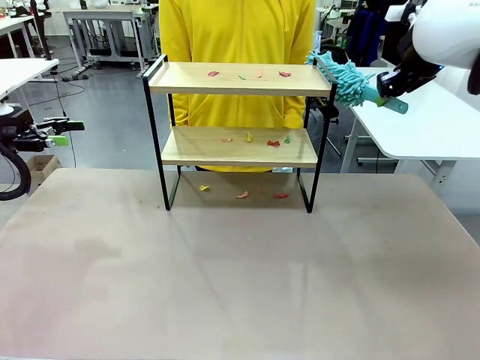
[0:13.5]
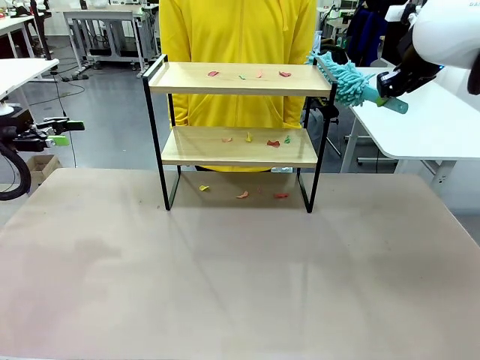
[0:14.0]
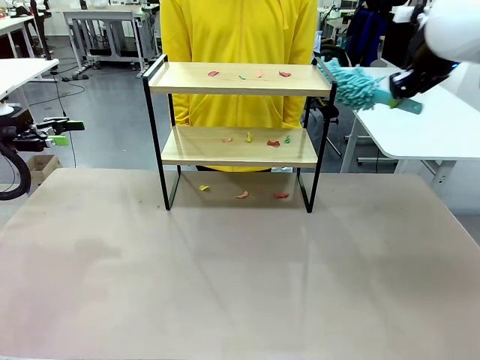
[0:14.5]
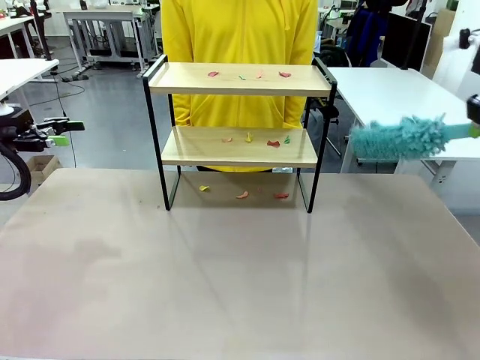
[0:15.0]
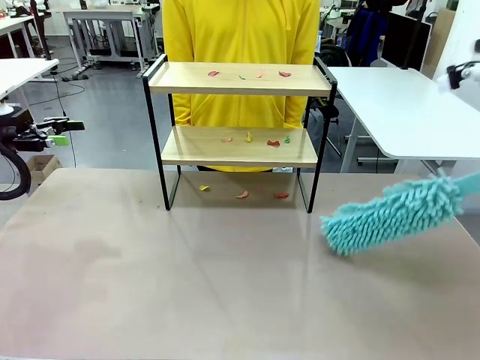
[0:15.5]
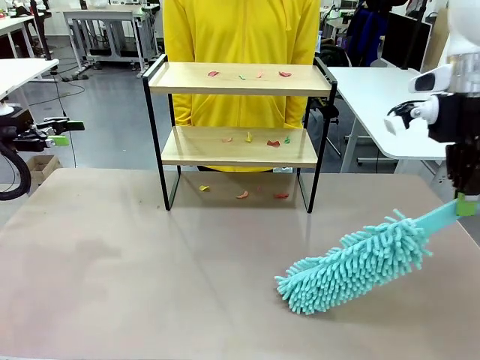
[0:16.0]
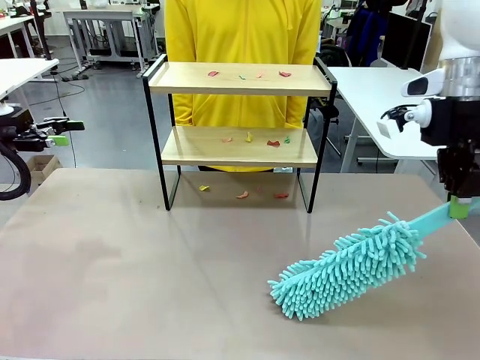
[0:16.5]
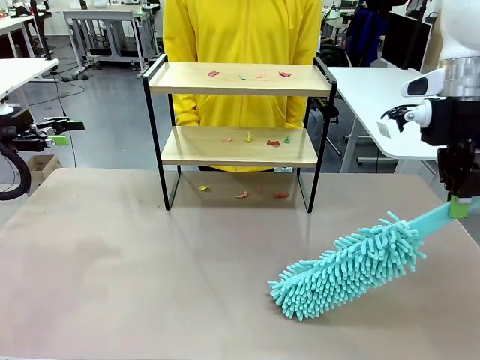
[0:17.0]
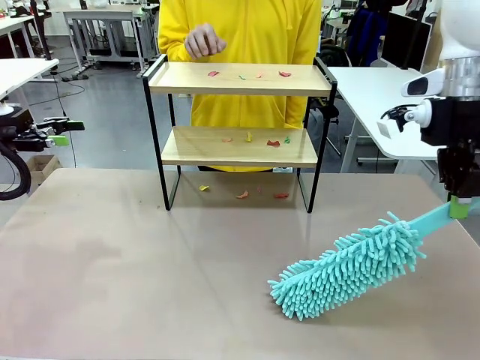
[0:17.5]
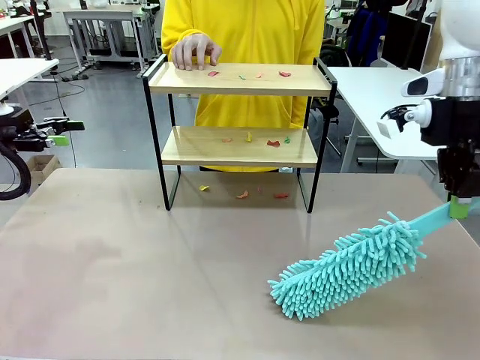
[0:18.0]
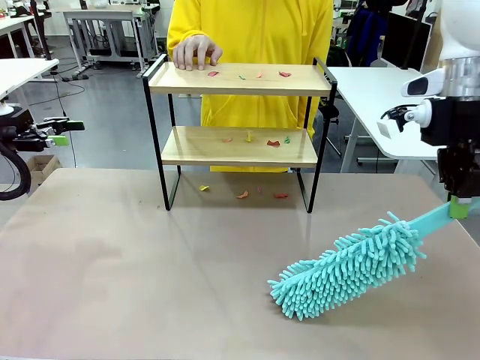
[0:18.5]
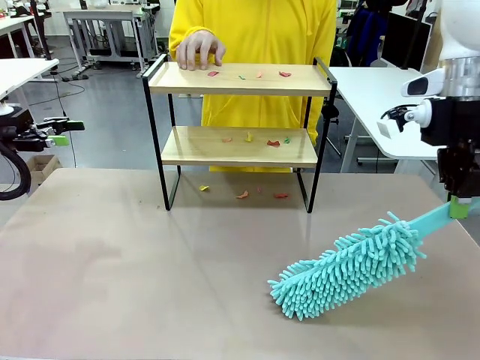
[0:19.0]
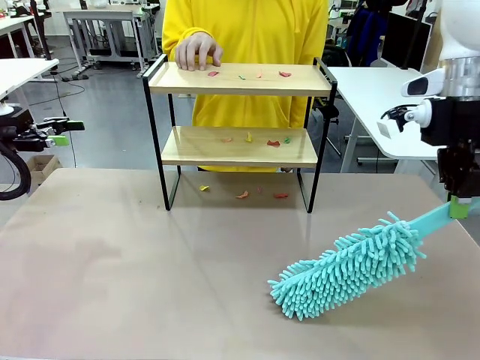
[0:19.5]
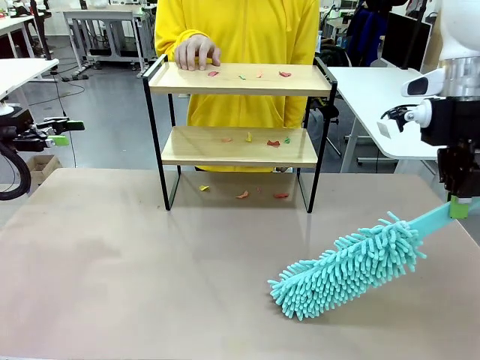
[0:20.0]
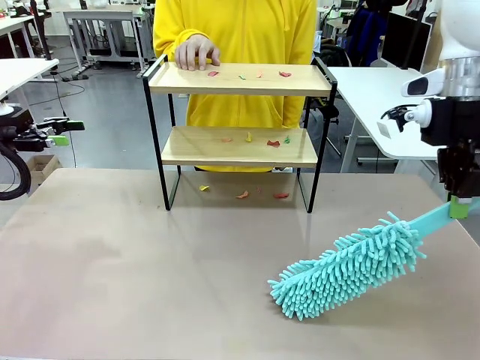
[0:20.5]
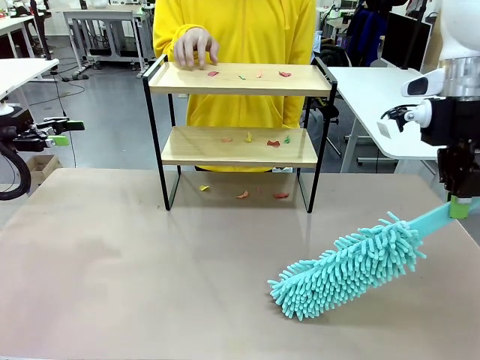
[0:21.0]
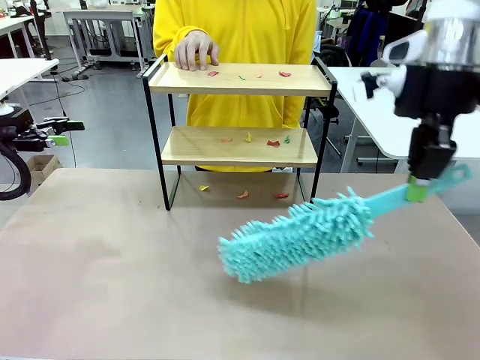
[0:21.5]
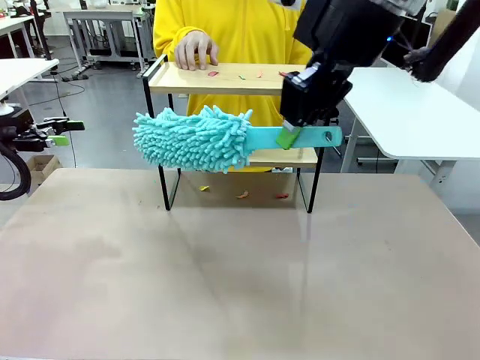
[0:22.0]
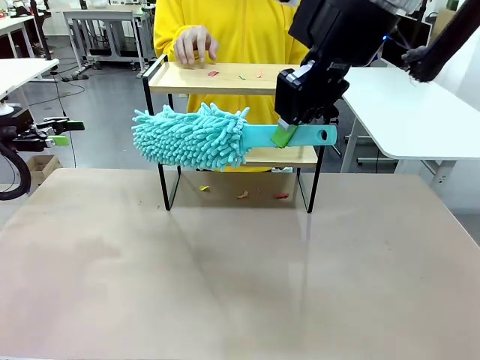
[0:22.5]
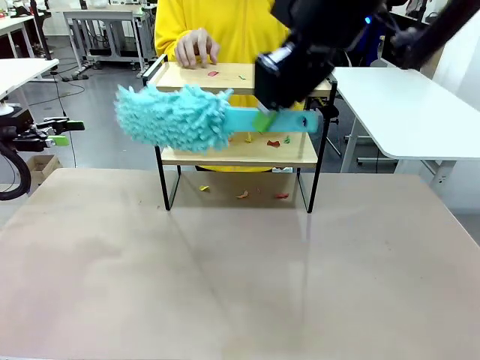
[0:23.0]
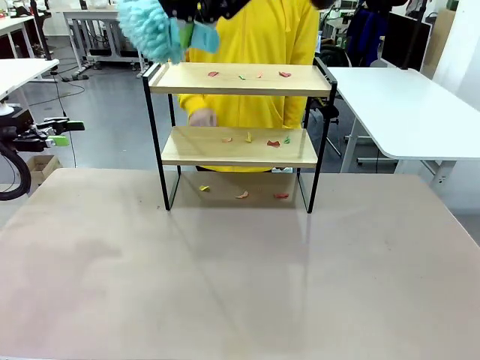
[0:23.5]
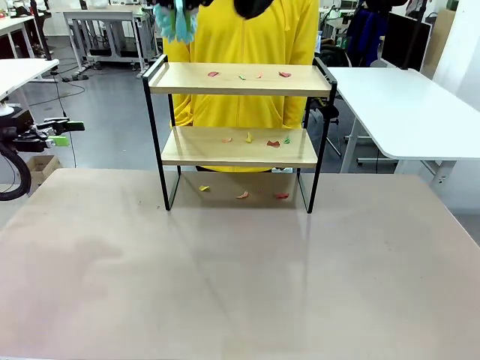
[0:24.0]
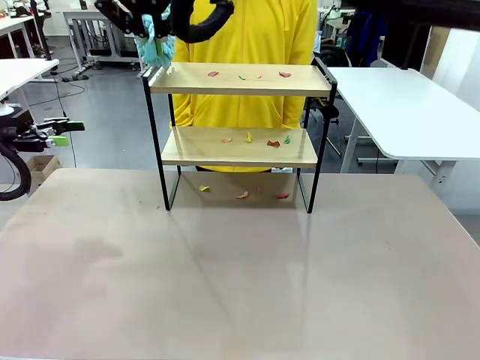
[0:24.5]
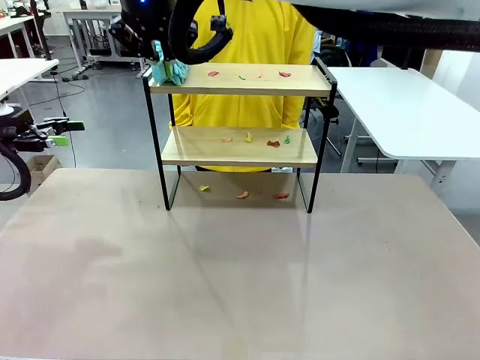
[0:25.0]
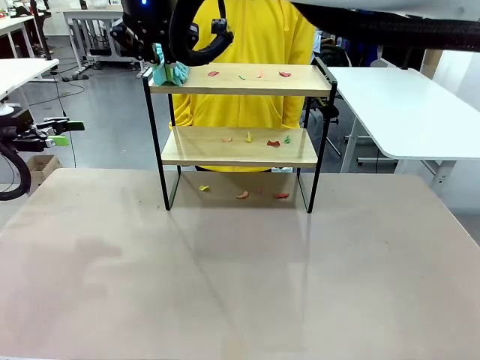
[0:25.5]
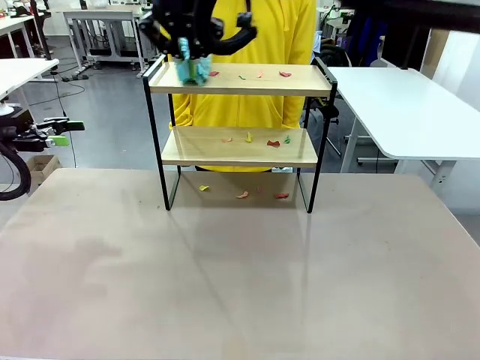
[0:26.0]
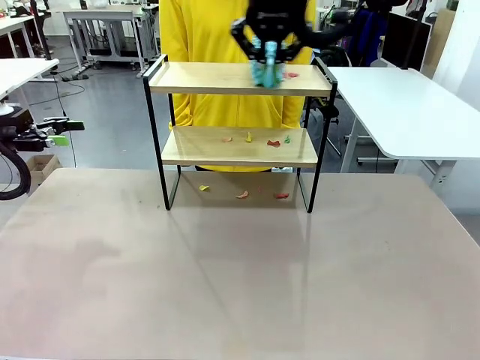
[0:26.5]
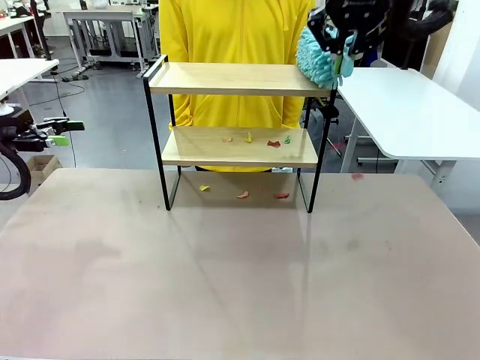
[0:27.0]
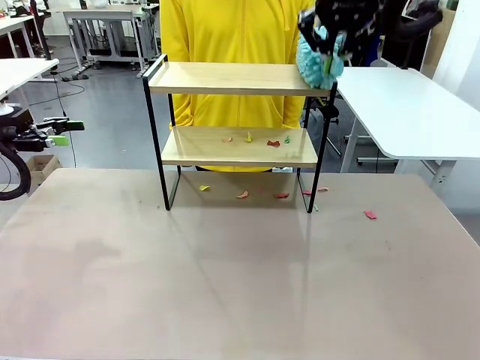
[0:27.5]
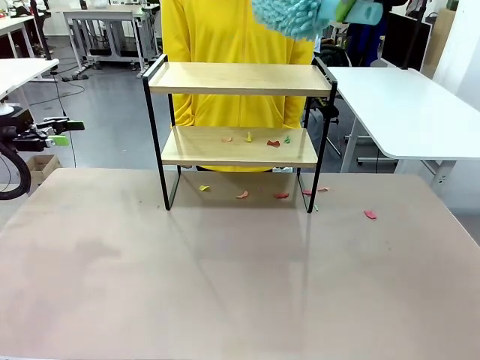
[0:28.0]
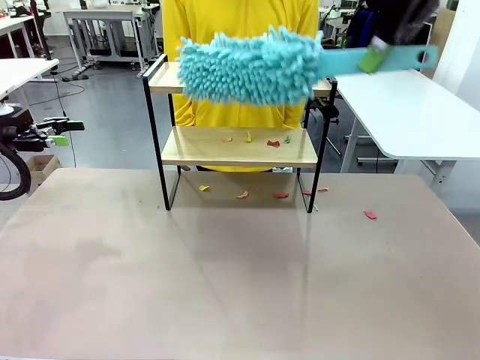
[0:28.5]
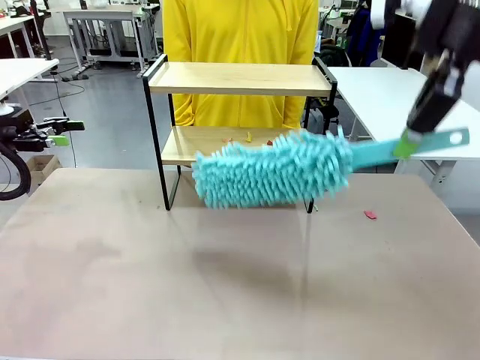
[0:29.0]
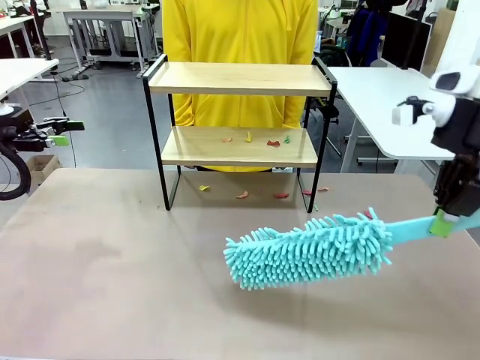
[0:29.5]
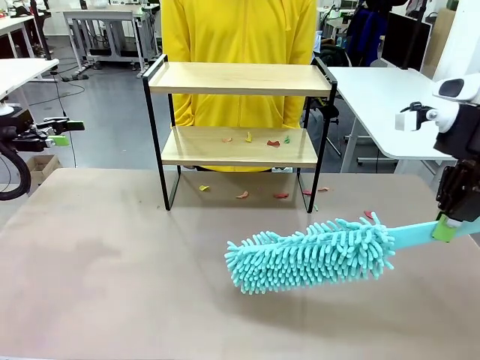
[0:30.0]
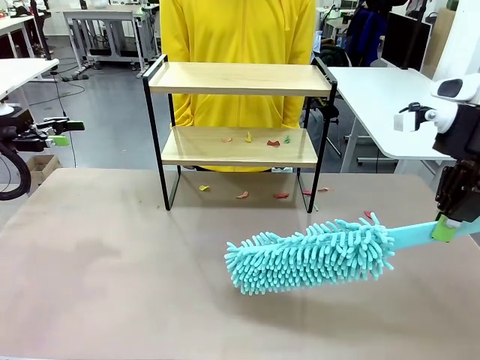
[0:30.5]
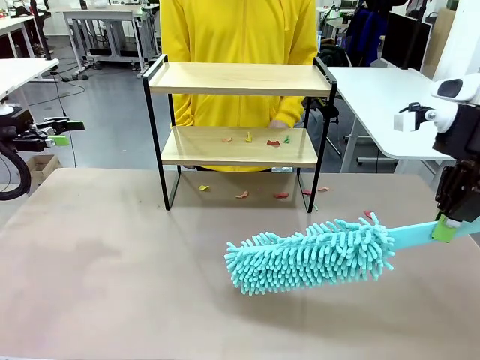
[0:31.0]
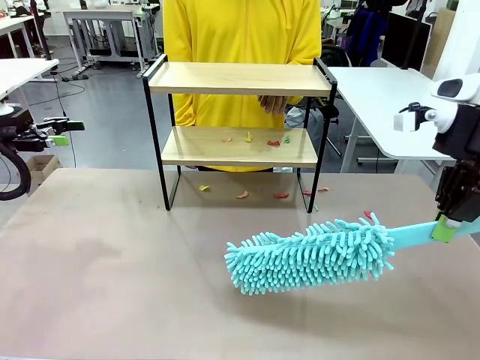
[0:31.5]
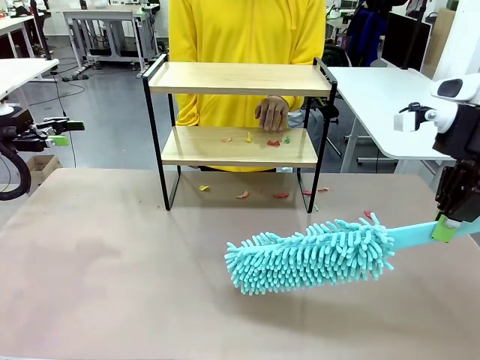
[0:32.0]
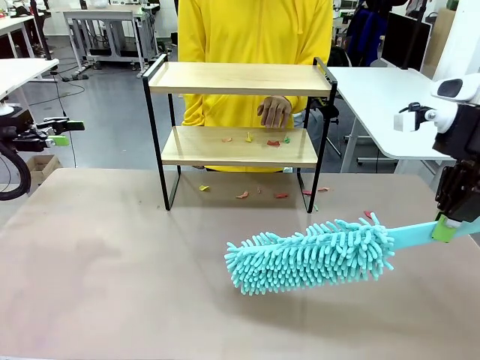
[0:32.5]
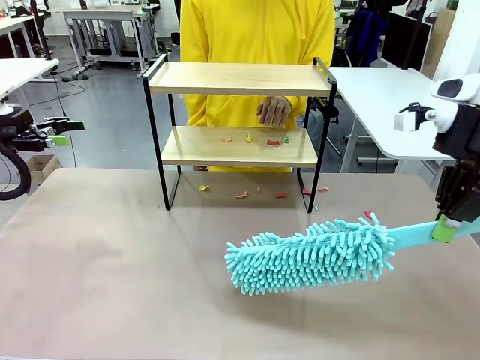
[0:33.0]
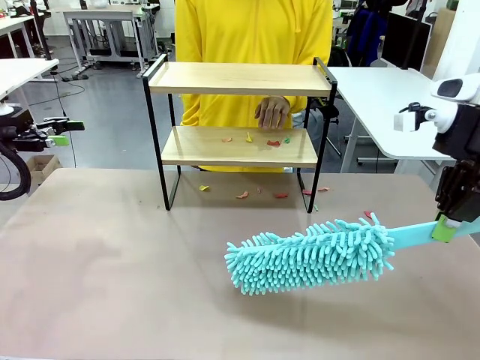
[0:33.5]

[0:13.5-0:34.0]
Task: Clean the shelf.
Robot: Clean the specific section of the Shelf indicated by the human with the Duster.
Person: Point a random section of the Shelf.

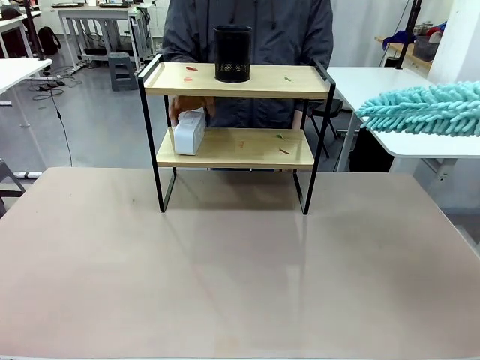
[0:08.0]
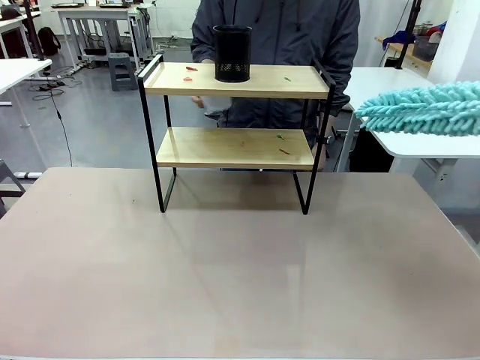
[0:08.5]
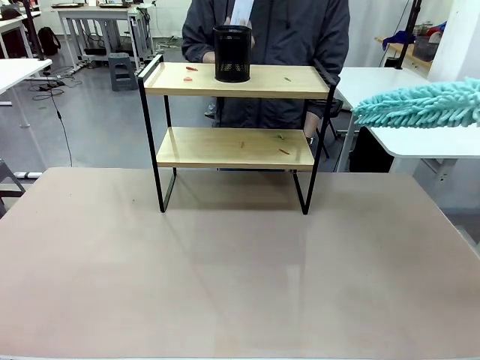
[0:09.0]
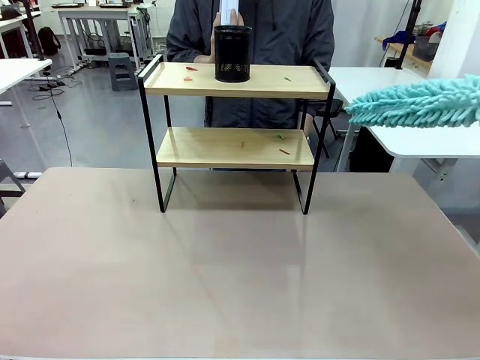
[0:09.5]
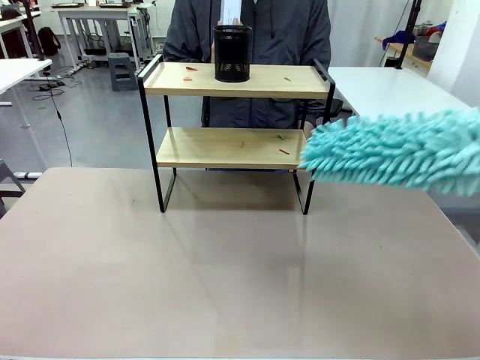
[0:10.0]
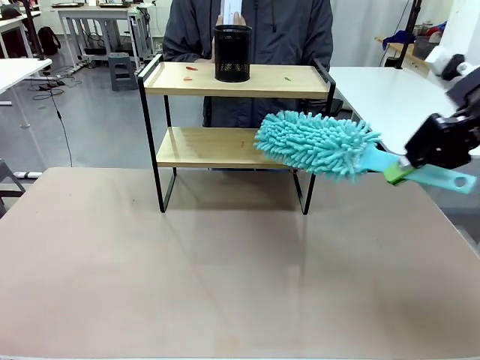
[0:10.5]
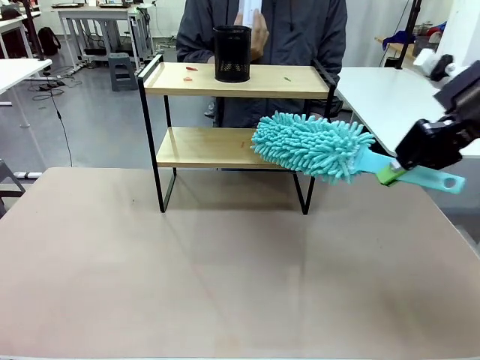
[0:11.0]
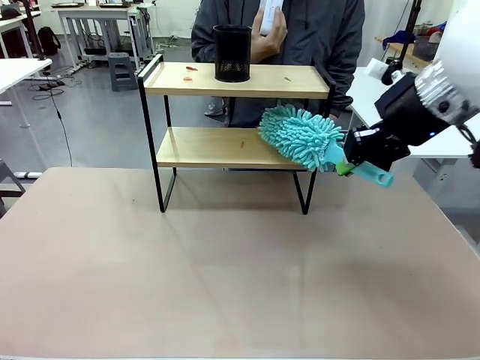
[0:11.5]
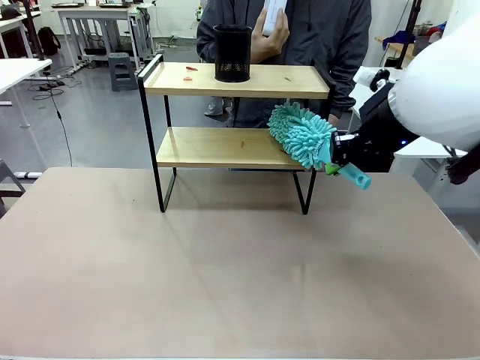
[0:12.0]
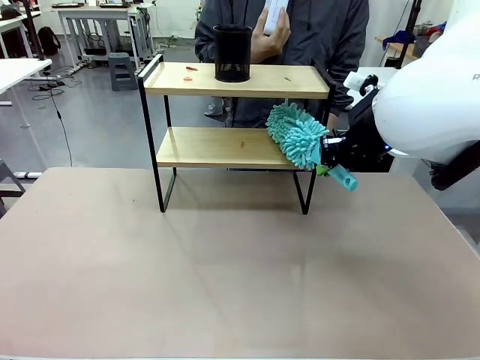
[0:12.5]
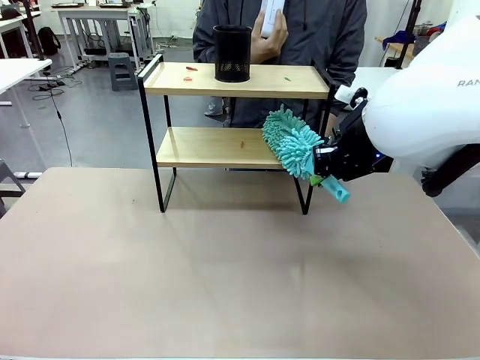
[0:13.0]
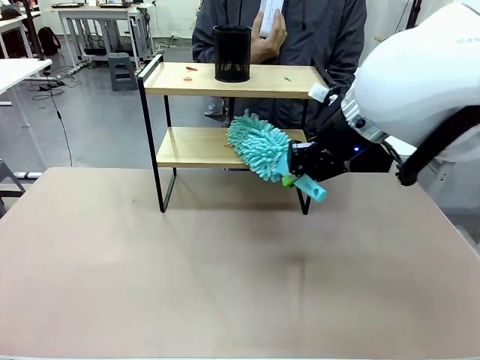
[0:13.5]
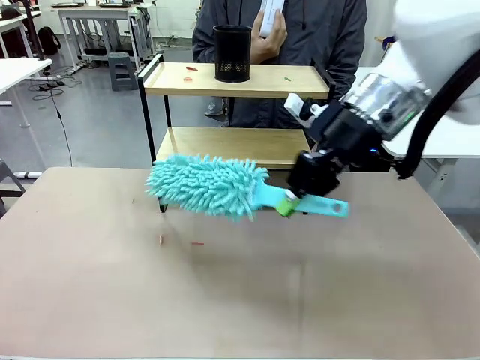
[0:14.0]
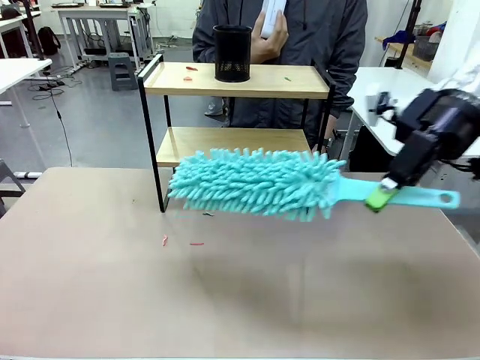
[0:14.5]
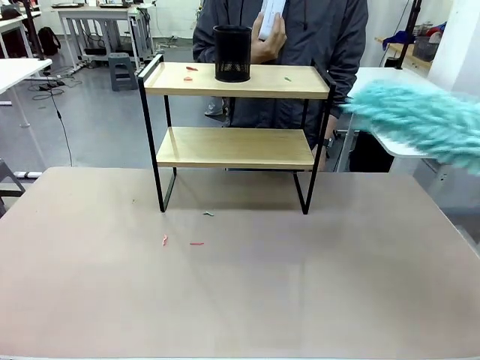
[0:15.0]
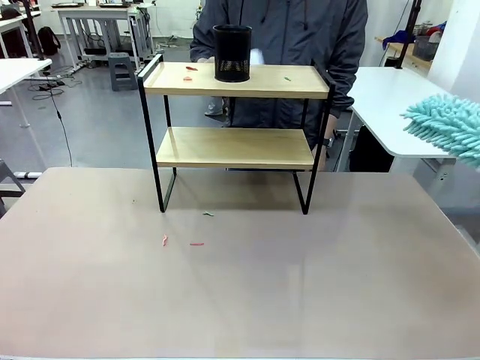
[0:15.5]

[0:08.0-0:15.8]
Task: Clean the shelf.
Robot: Clean the specific tier of the Shelf with the Duster once objects are removed.
Person: Lift the objects on a randomly selected tier of the Shelf. Once the robot finishes cleaning, lift the objects on the remaining tiers of the Shelf.
